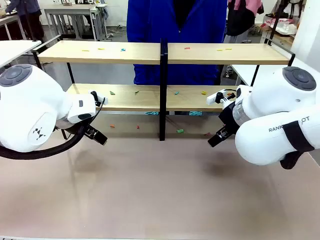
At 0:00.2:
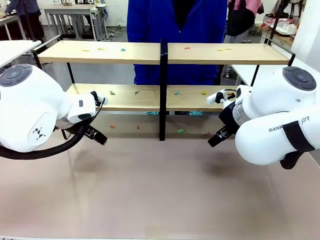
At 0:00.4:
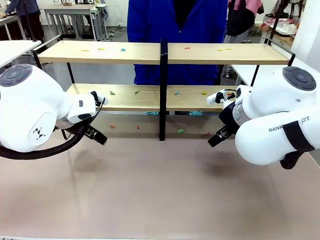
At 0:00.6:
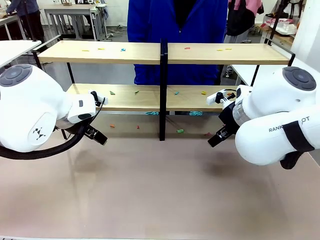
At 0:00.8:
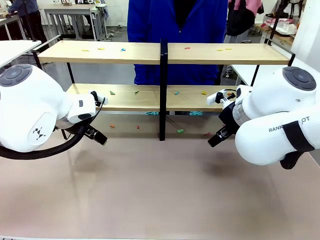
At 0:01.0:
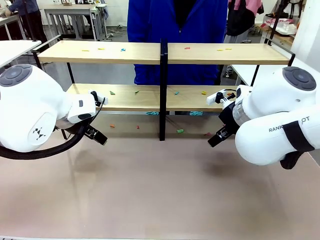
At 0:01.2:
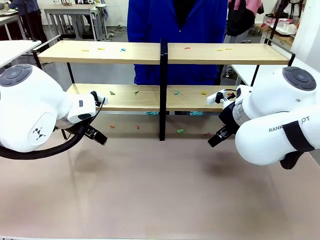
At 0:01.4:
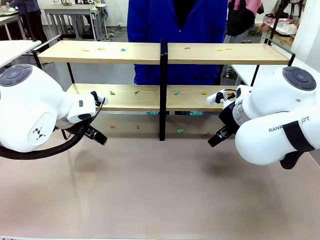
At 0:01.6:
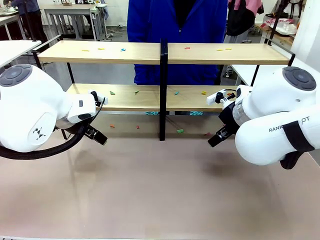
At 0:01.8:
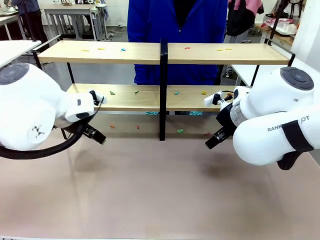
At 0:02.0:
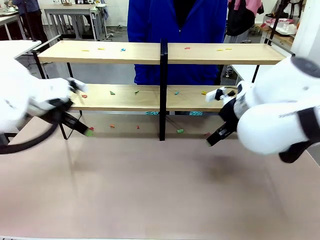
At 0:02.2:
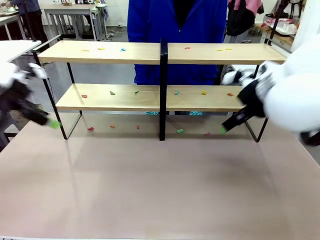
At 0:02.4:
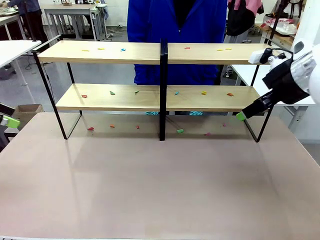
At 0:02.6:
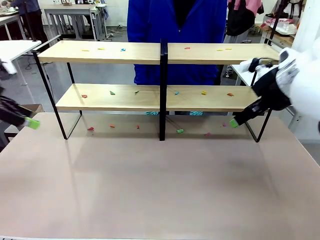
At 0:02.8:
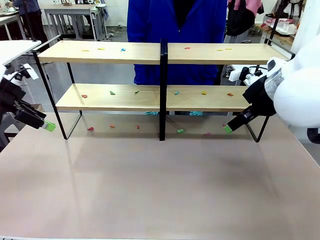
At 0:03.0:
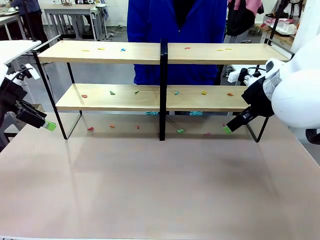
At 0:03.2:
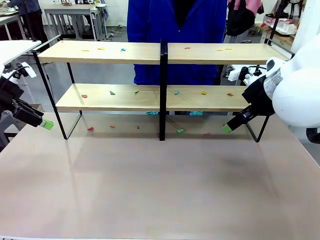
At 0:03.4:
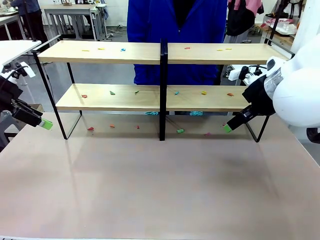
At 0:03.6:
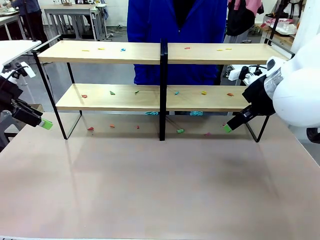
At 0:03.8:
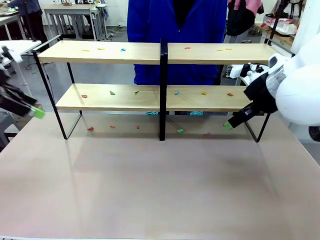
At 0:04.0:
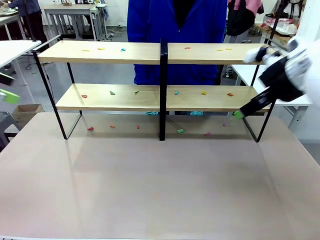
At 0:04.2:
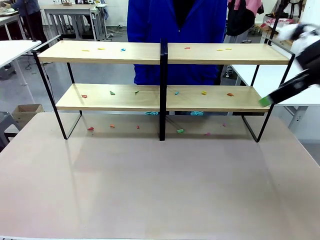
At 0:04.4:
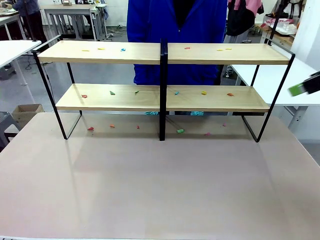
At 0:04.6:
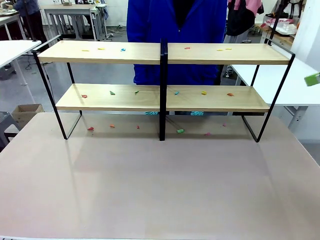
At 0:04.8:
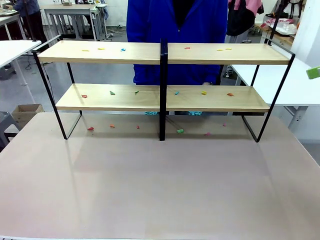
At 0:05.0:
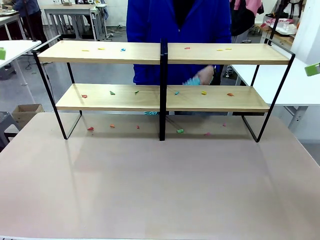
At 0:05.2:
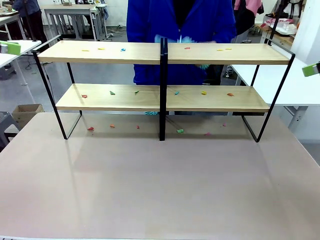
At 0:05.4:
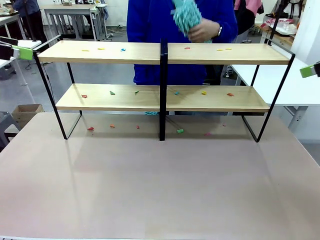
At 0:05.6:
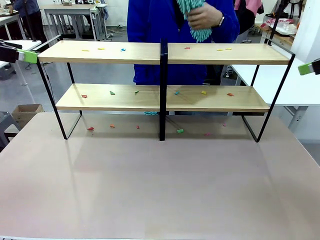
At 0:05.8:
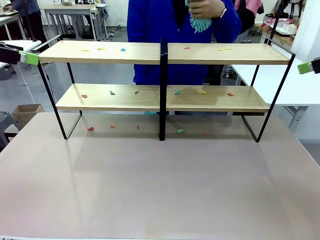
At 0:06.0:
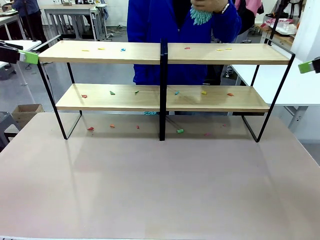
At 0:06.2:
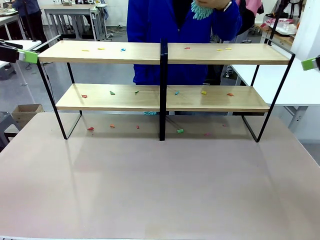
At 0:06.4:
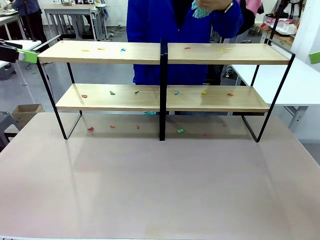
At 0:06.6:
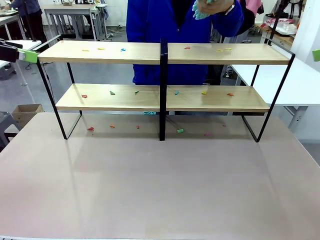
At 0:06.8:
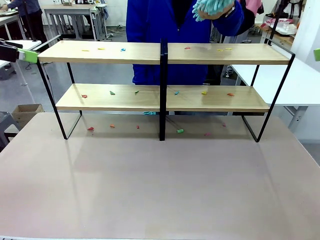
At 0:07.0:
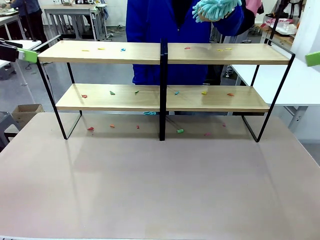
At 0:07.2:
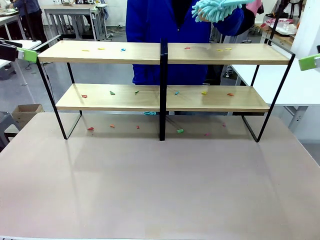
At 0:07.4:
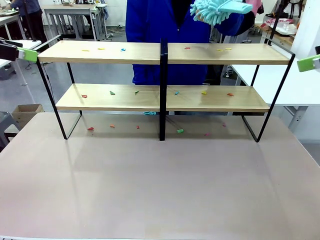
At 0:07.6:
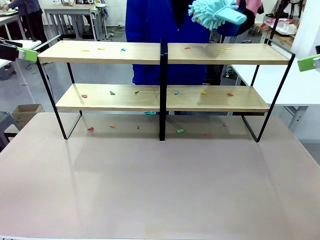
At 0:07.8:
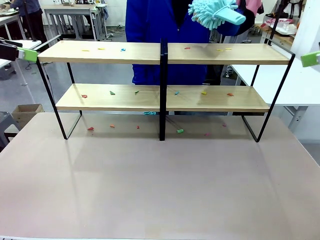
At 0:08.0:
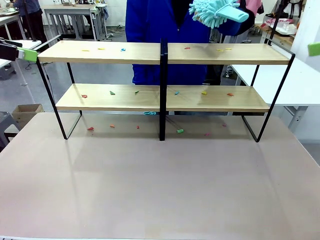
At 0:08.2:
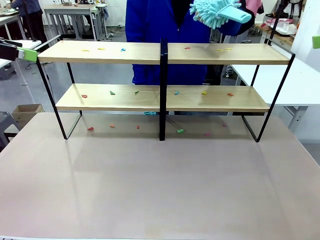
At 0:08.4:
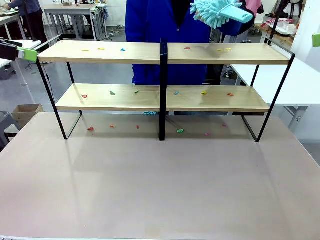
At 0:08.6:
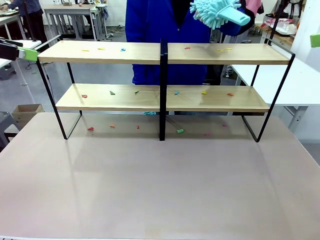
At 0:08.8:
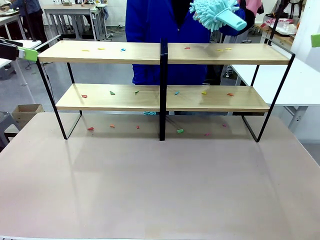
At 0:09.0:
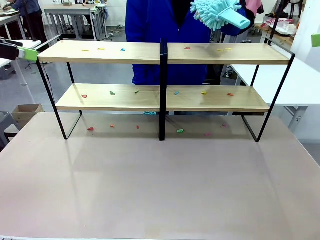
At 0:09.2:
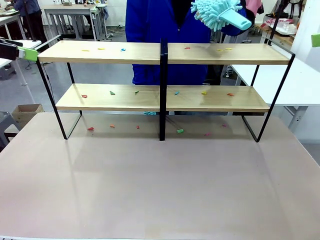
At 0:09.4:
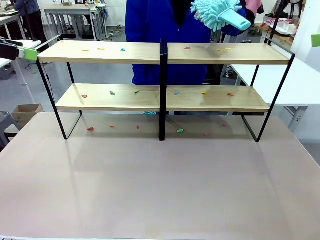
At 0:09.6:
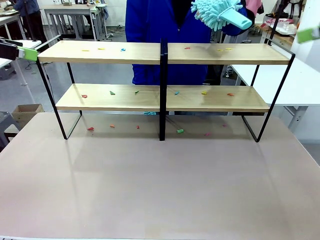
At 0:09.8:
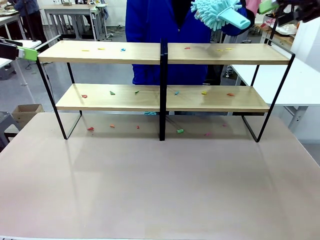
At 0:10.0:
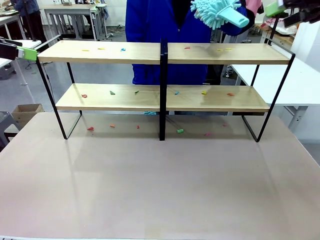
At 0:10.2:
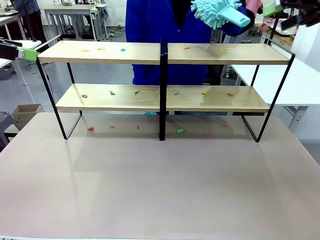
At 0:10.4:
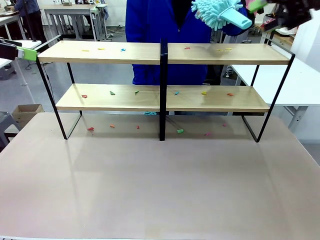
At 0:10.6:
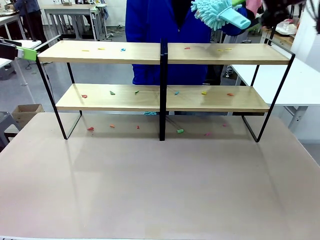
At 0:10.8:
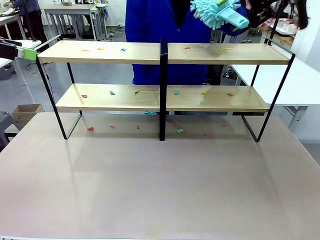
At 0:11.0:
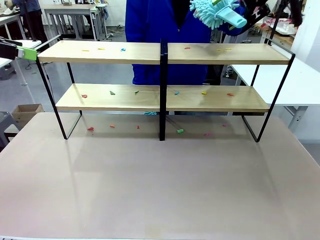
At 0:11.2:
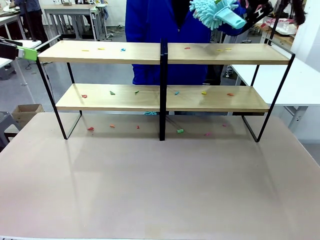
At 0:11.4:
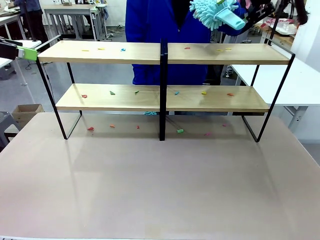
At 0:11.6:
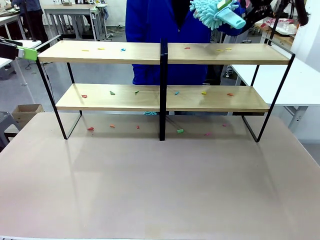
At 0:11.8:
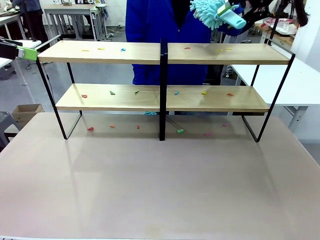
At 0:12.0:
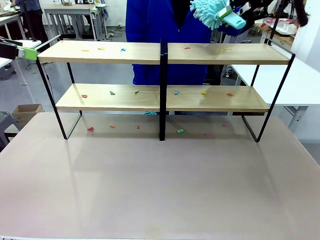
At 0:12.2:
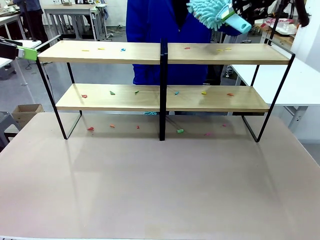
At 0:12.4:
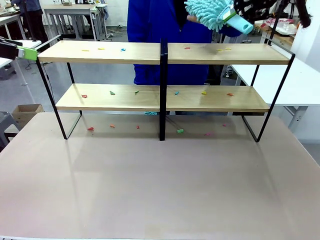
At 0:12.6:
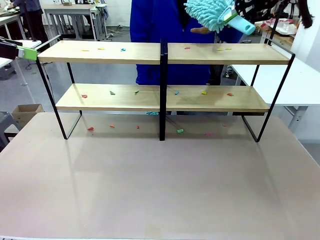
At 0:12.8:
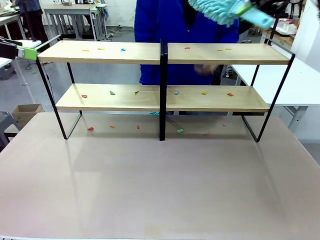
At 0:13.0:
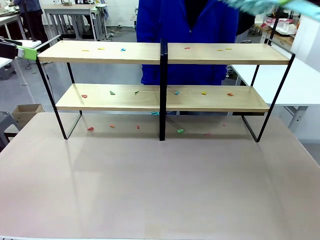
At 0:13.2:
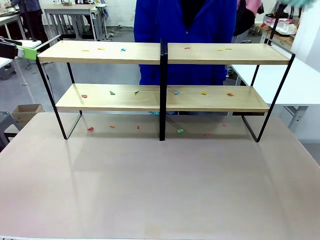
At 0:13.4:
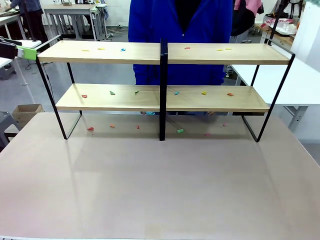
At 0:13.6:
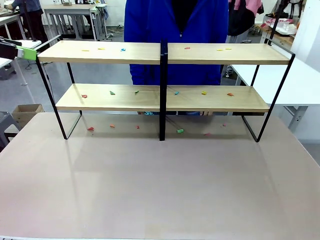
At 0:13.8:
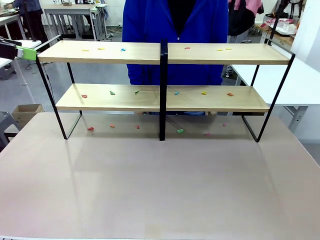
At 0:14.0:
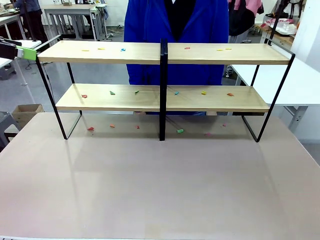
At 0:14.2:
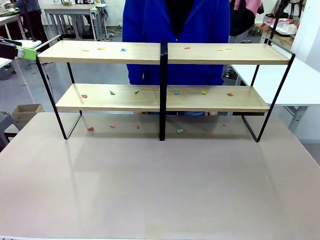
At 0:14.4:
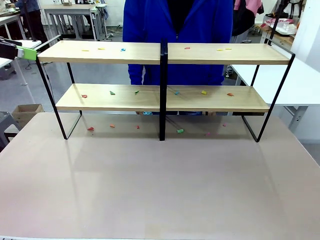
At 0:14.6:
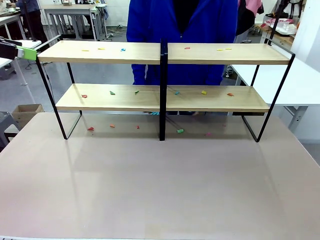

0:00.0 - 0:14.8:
Task: Clean the shelves.
Robot: Pick up the Duster when the human hands it over.
Person: Hand the Duster to the robot with your right (or left) hand.

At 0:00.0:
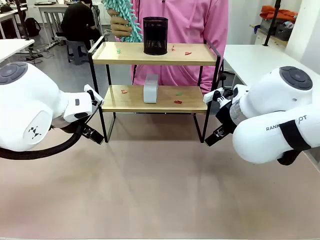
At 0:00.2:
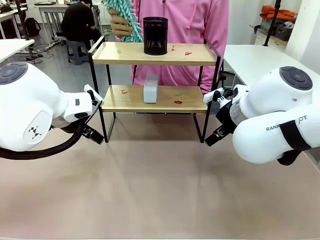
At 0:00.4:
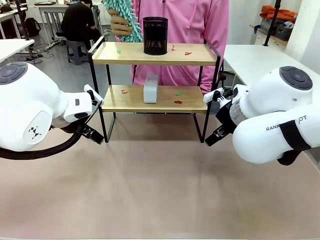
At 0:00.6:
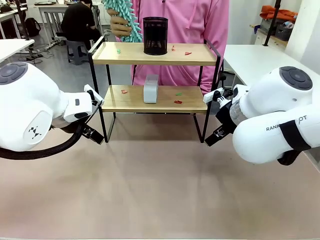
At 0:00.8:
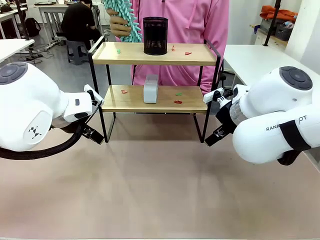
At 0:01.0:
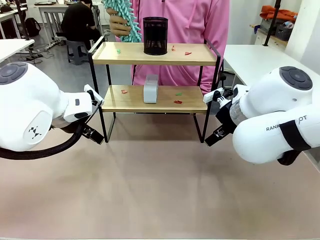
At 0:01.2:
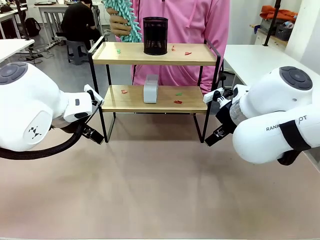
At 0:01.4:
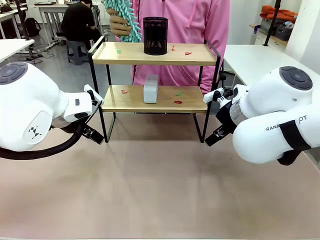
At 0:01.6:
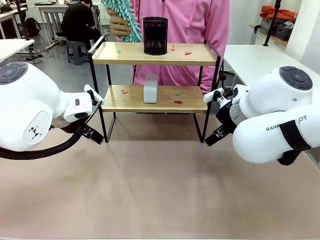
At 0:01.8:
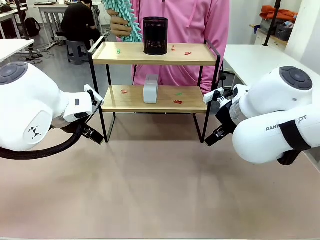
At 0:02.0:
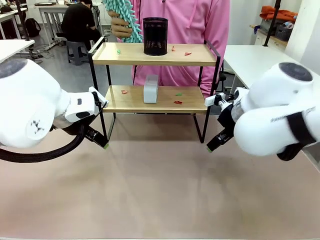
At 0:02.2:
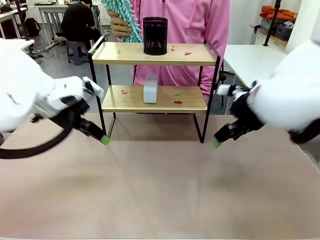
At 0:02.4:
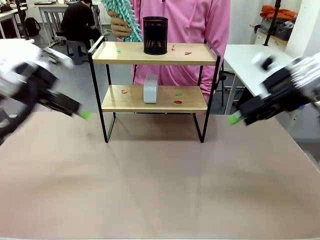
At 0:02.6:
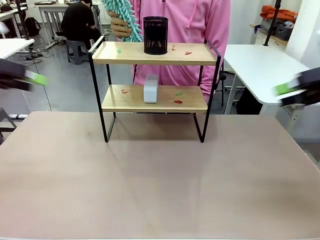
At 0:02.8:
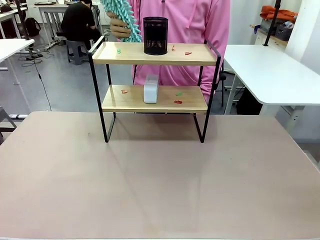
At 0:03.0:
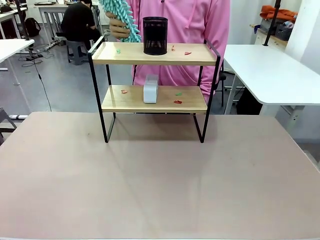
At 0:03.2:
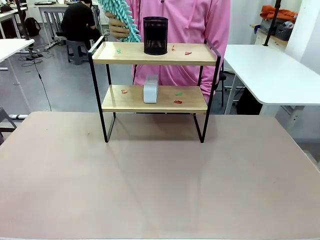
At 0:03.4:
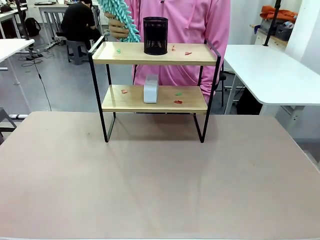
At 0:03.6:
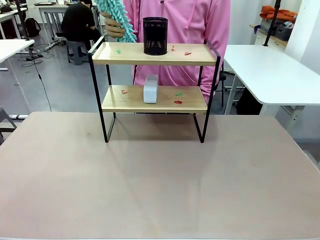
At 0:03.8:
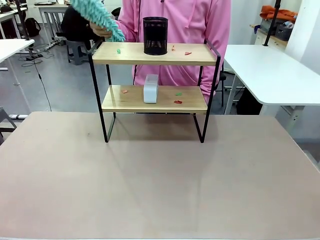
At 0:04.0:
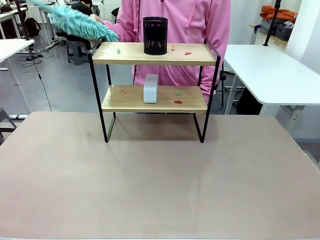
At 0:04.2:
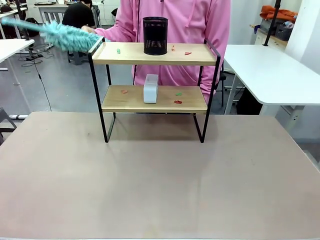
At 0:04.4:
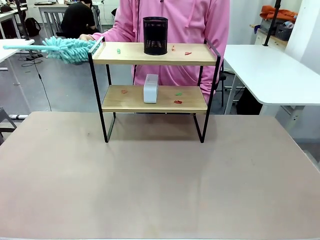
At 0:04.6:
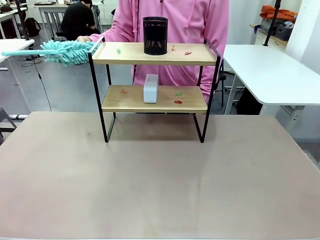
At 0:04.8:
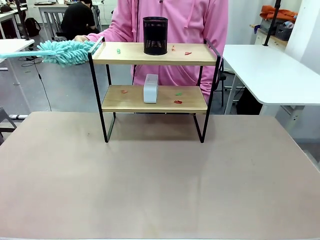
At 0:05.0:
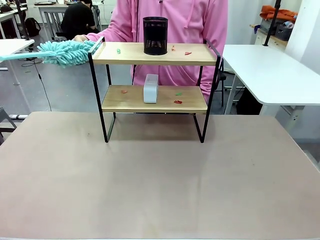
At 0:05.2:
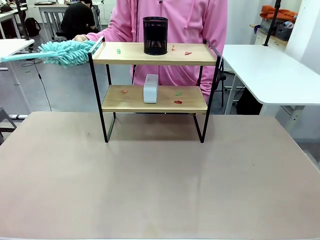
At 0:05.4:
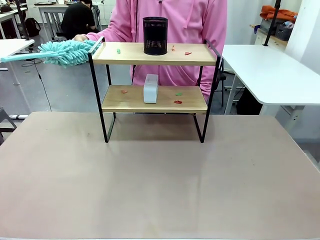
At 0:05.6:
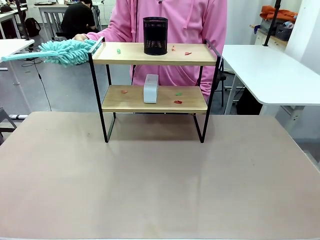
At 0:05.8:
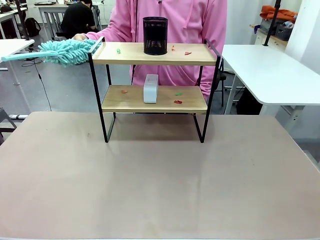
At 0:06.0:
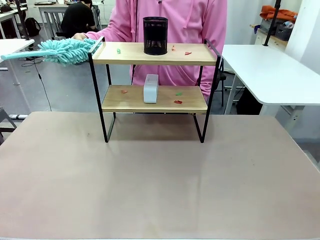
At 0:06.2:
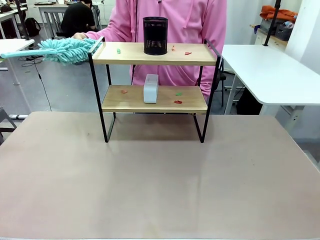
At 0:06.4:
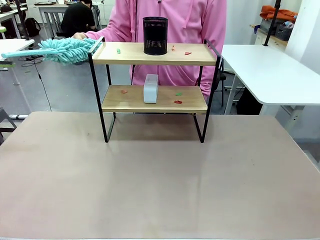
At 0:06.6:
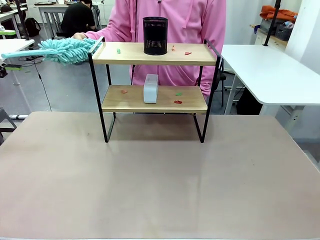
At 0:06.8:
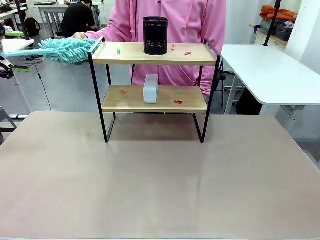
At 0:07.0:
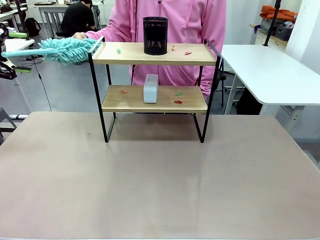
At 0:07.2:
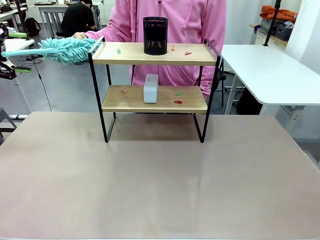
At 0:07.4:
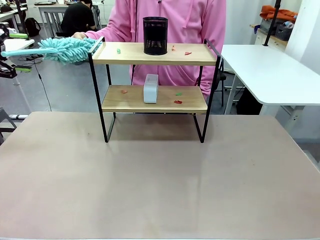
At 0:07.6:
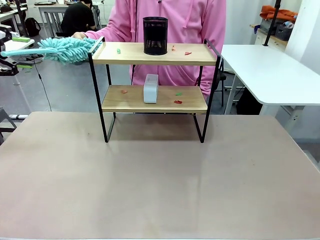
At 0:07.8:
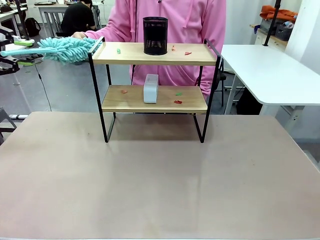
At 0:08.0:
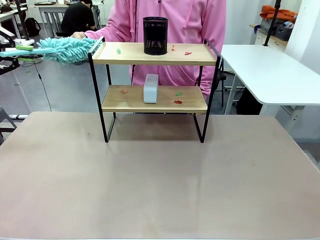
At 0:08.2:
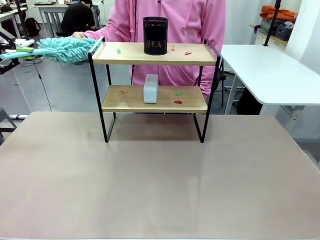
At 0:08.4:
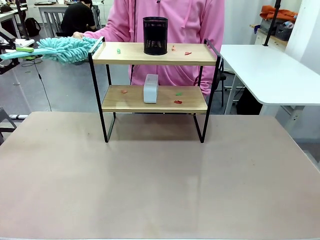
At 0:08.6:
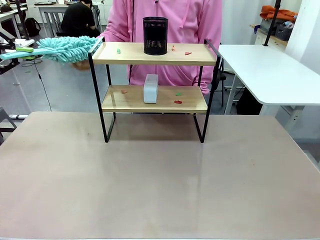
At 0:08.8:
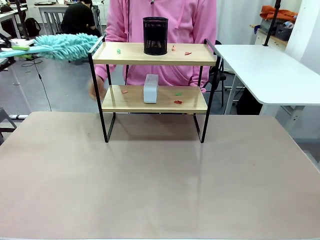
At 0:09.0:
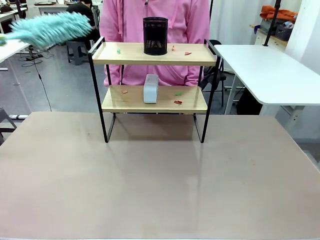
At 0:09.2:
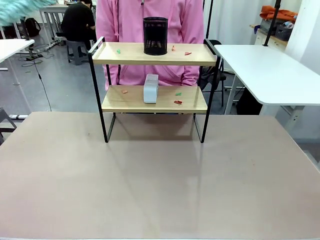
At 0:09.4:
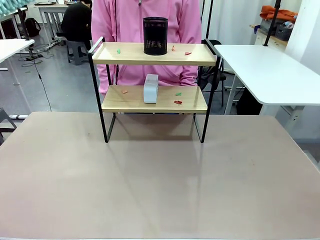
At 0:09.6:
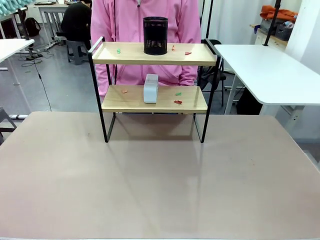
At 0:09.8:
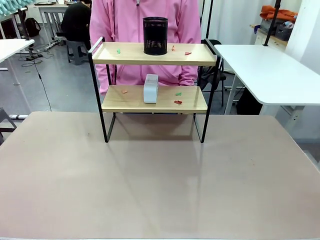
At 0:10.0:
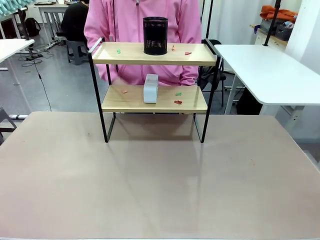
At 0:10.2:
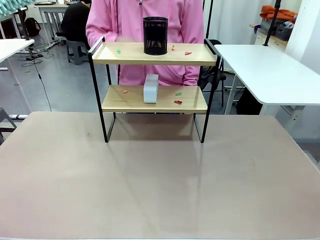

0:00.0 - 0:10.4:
Task: Clean the shelf.
Robot: Pick up the Duster from the human.
Person: Hand the Duster to the robot.
